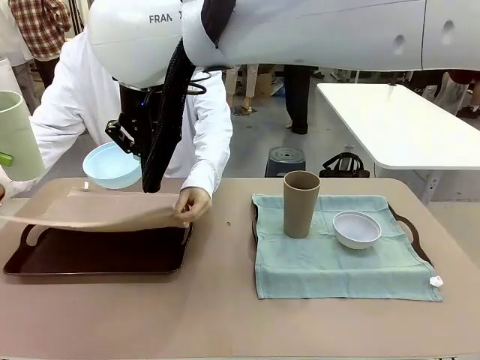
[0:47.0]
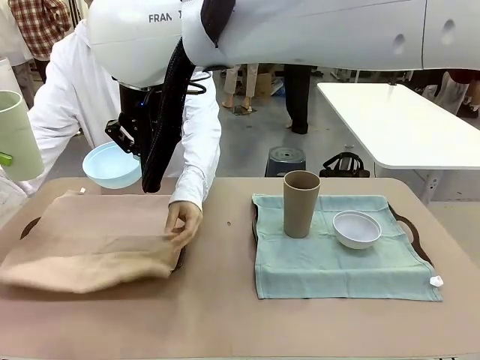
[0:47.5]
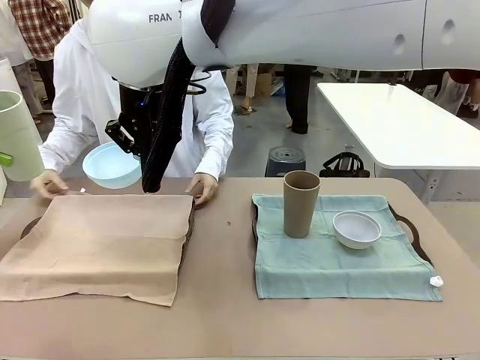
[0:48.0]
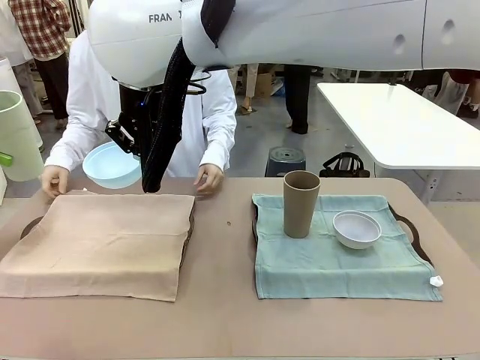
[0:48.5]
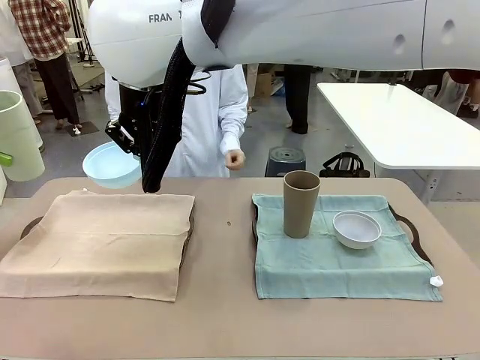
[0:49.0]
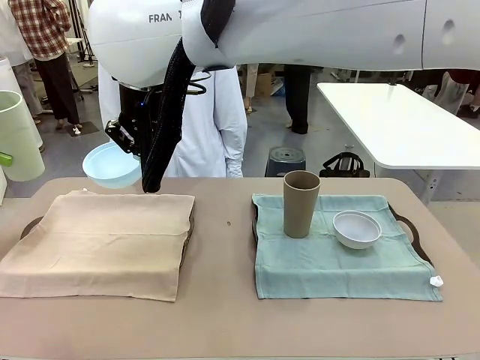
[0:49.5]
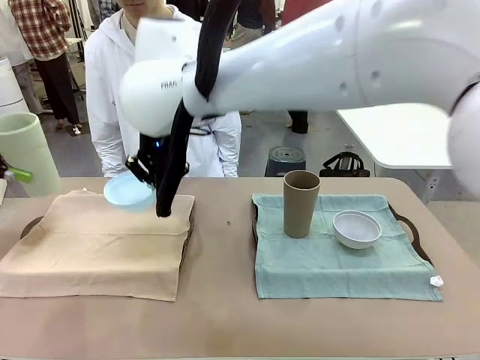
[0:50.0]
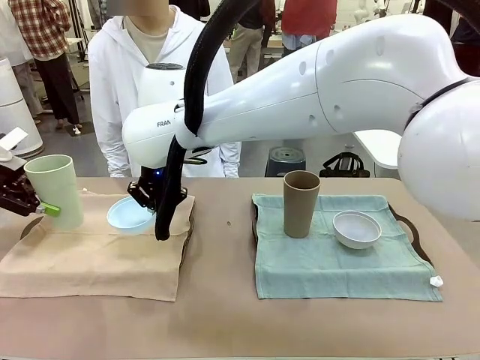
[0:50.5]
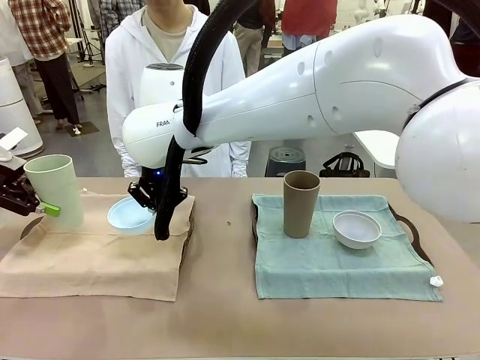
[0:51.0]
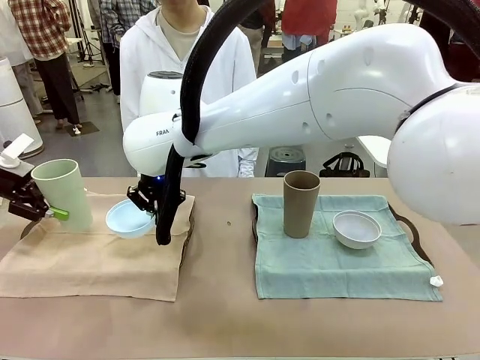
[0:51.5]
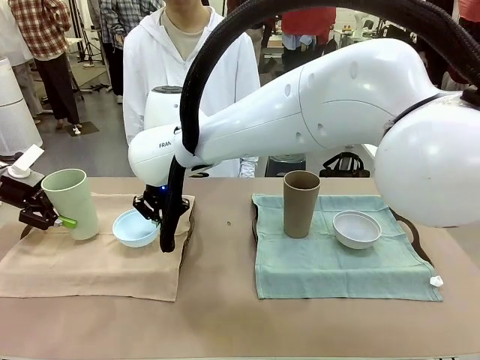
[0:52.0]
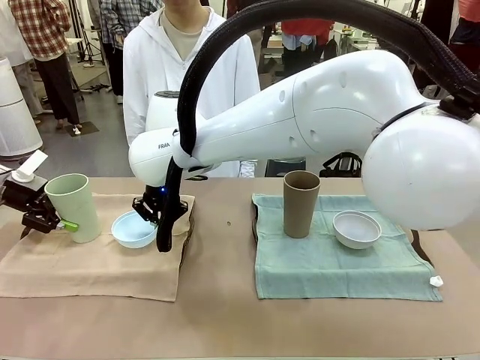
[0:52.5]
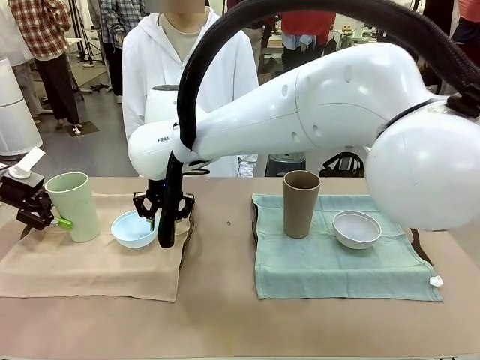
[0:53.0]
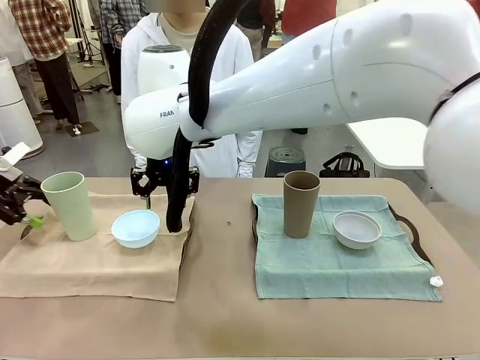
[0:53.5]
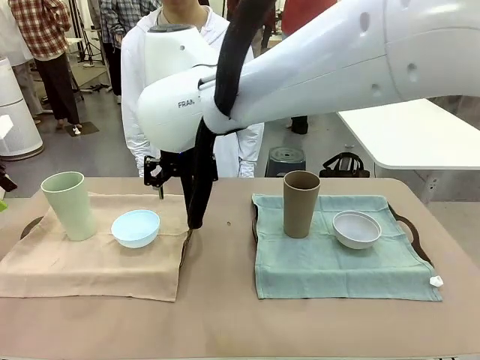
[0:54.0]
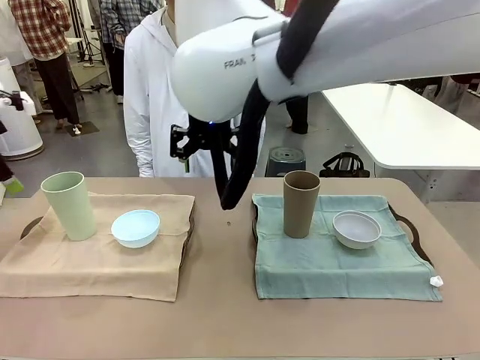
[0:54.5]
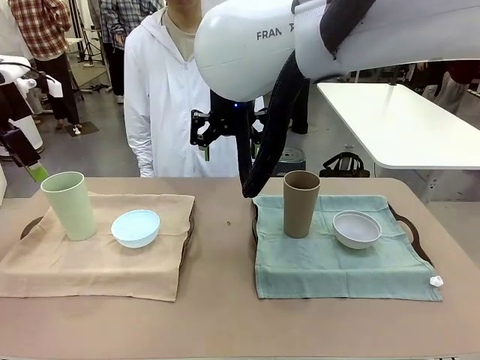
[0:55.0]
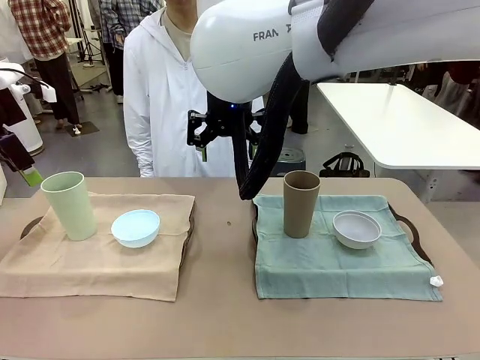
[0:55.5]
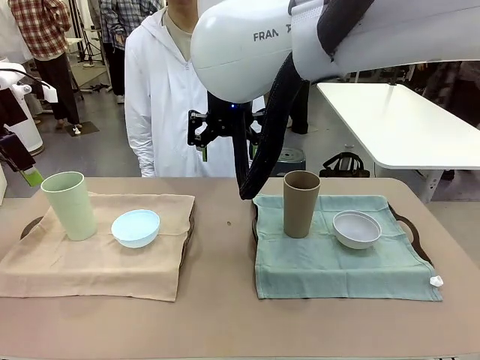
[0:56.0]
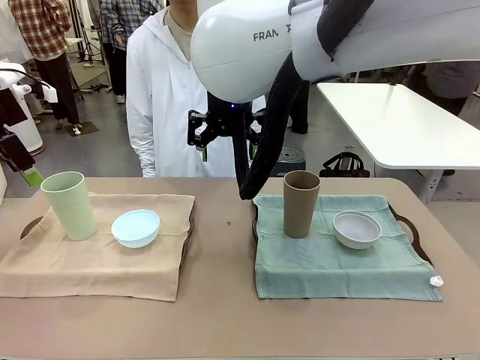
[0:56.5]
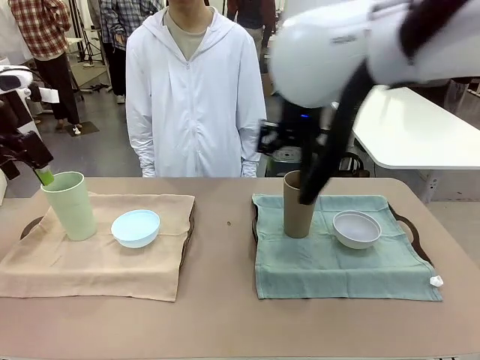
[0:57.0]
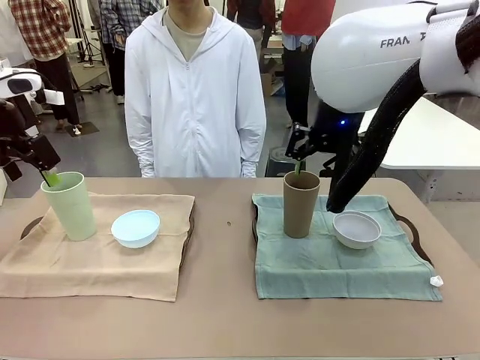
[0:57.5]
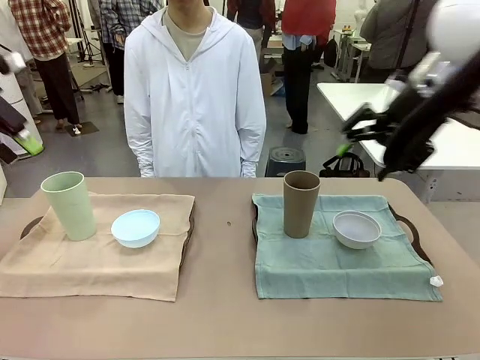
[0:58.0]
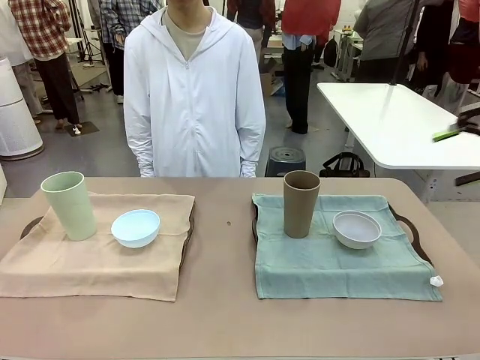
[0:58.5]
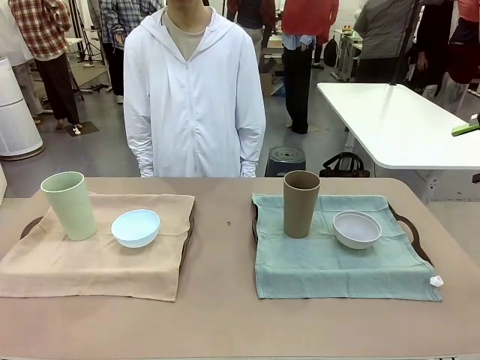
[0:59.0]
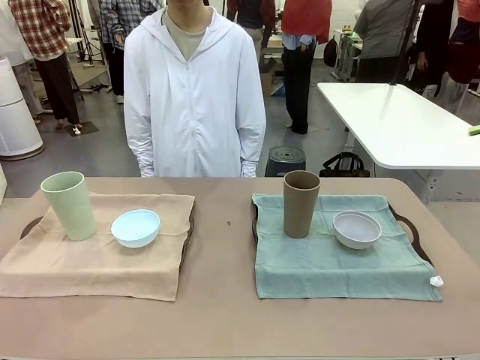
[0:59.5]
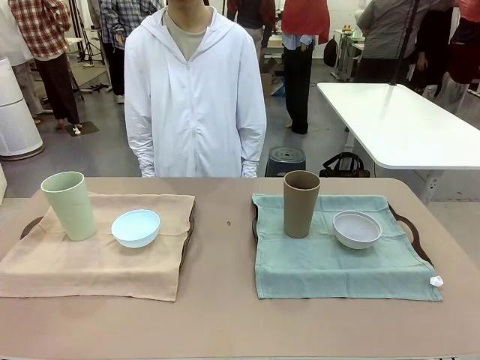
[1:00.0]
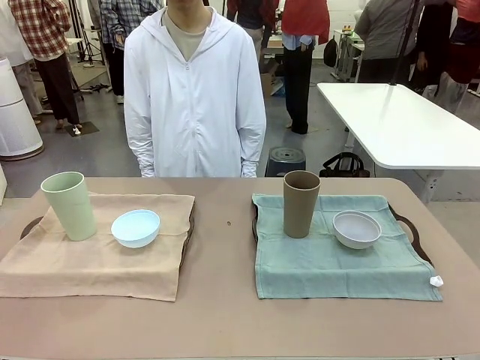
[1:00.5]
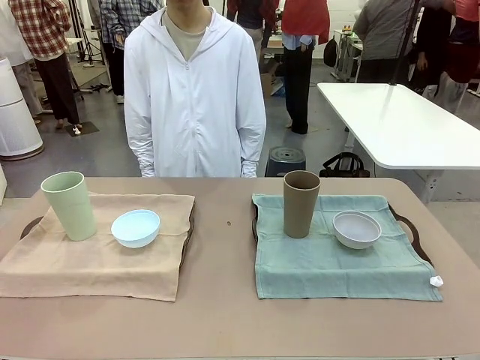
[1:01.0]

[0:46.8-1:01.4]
Robot: Place the Picnic Bowl and Reusable plastic cup back onto the Handle tray in front of the human's position.
Person: When the robot lifts the bowl and the cup, the human unfolds the napkin and lays the napkin flat on the tray.
